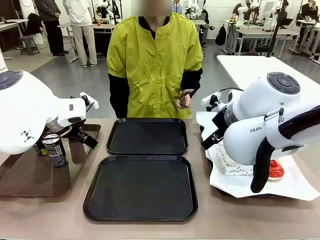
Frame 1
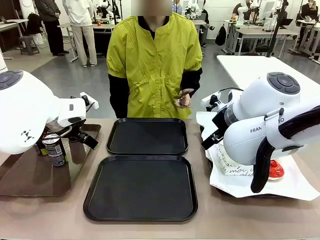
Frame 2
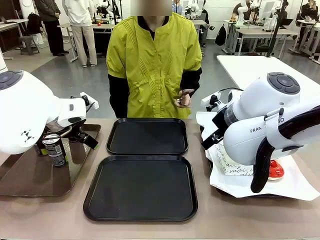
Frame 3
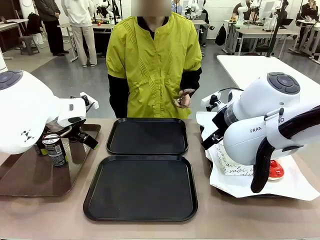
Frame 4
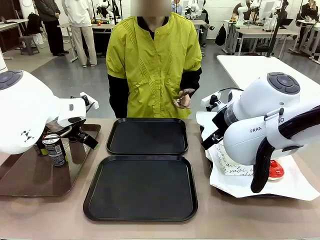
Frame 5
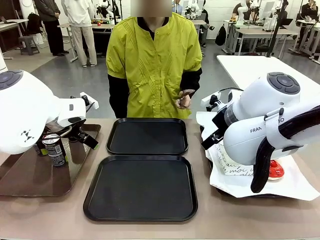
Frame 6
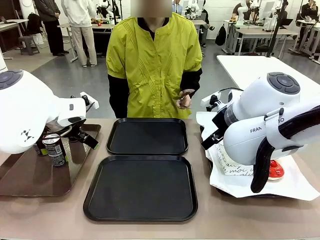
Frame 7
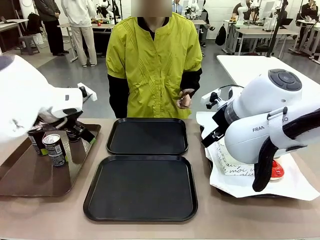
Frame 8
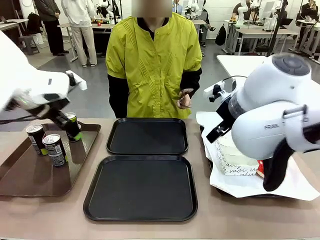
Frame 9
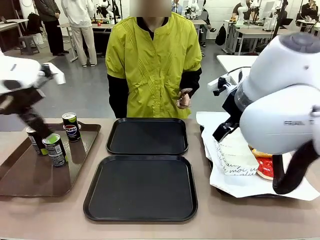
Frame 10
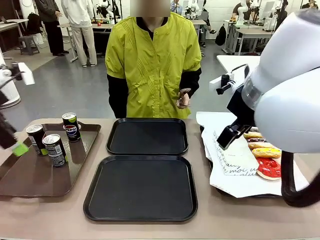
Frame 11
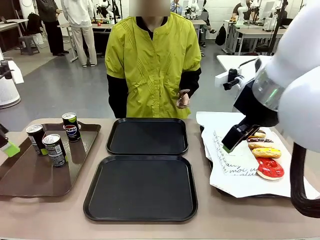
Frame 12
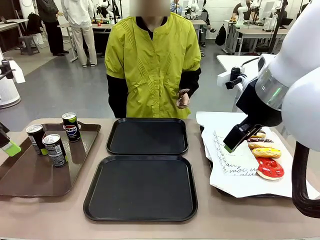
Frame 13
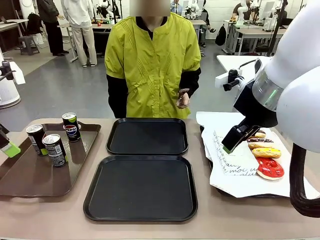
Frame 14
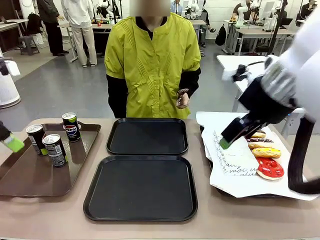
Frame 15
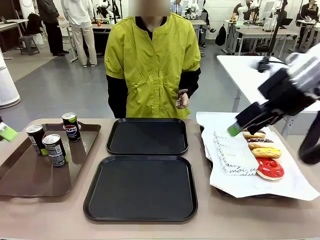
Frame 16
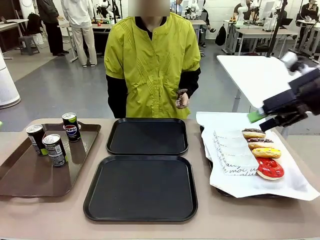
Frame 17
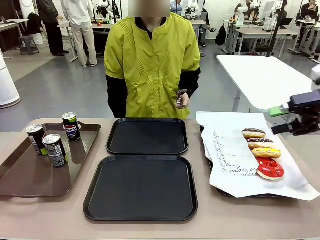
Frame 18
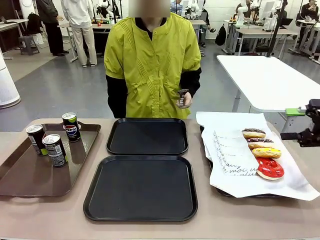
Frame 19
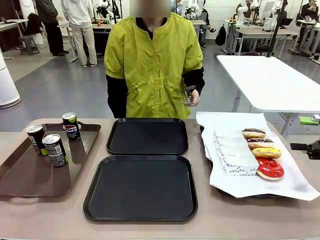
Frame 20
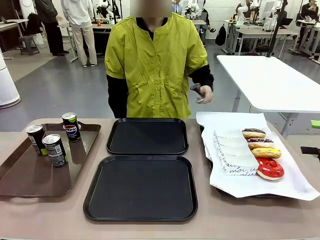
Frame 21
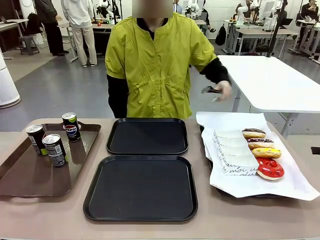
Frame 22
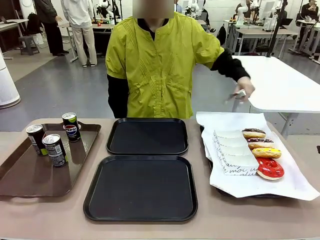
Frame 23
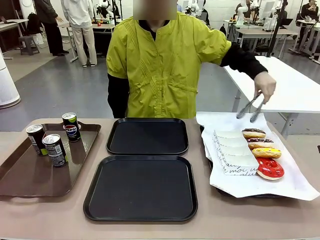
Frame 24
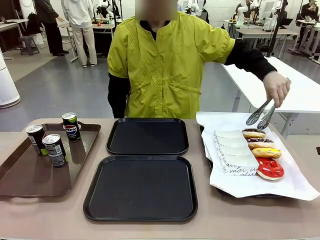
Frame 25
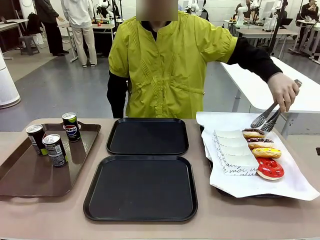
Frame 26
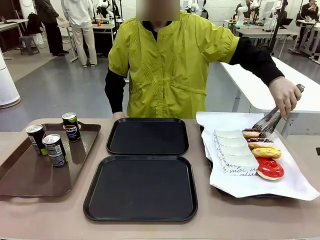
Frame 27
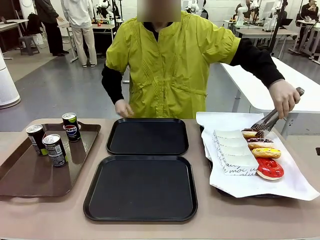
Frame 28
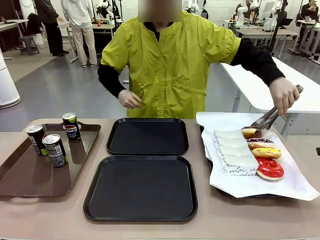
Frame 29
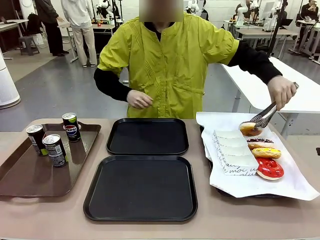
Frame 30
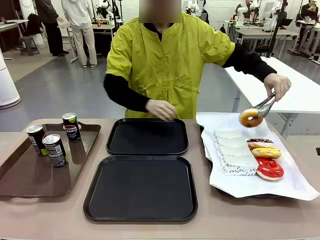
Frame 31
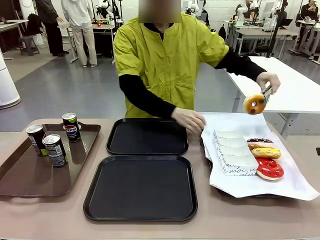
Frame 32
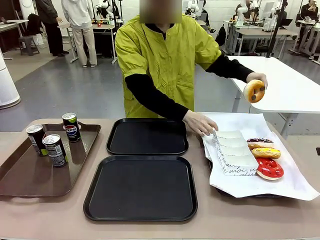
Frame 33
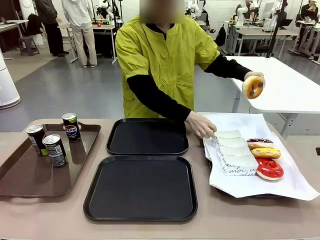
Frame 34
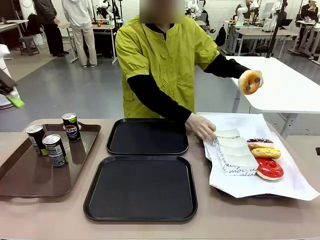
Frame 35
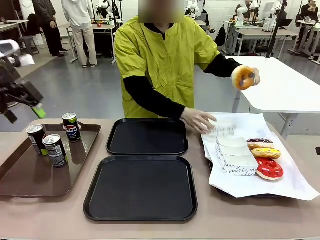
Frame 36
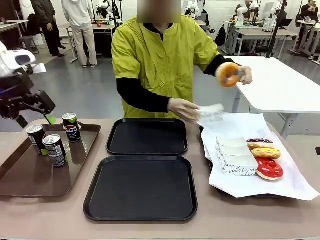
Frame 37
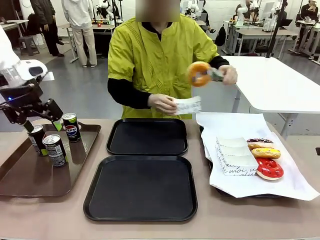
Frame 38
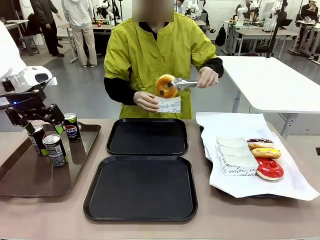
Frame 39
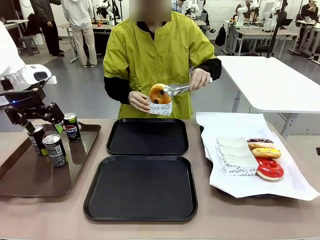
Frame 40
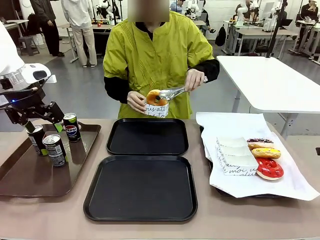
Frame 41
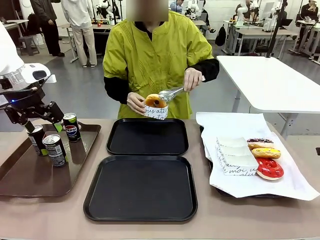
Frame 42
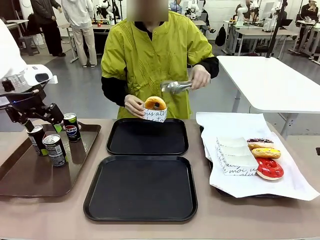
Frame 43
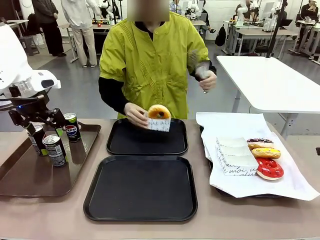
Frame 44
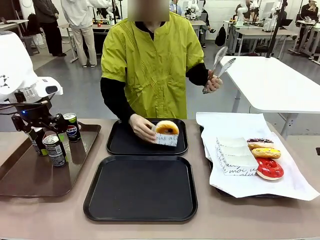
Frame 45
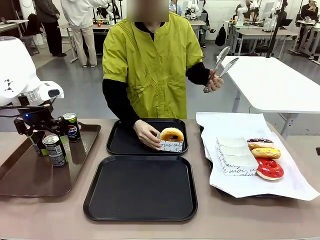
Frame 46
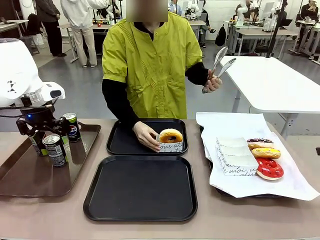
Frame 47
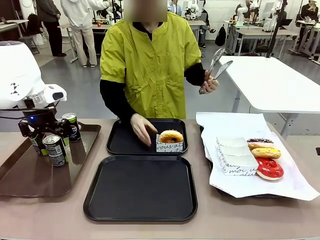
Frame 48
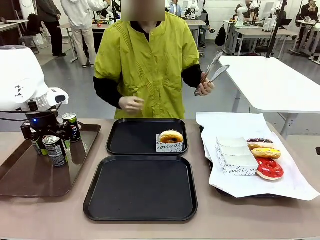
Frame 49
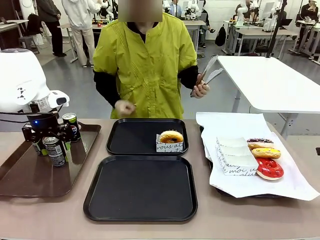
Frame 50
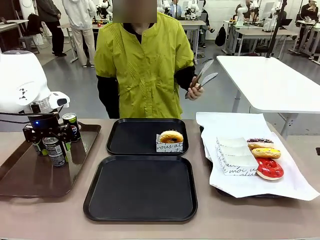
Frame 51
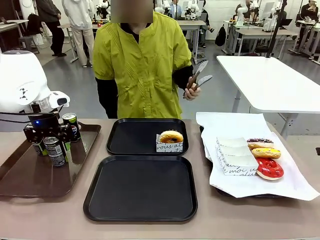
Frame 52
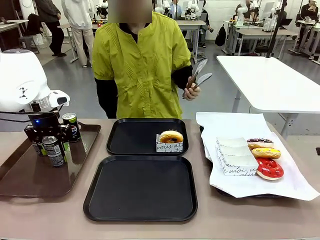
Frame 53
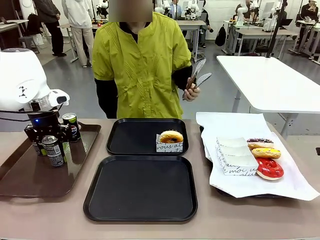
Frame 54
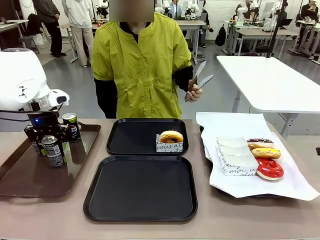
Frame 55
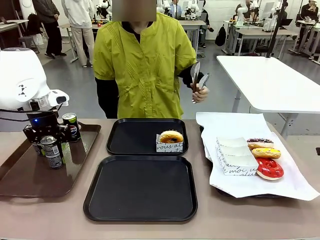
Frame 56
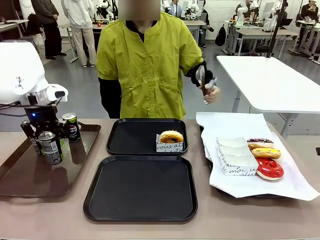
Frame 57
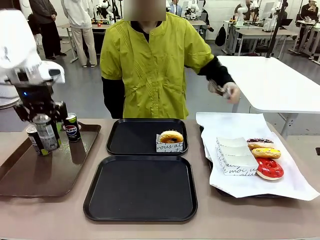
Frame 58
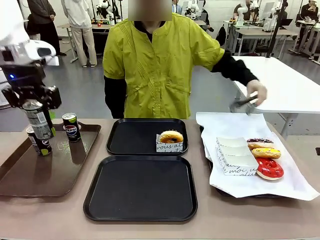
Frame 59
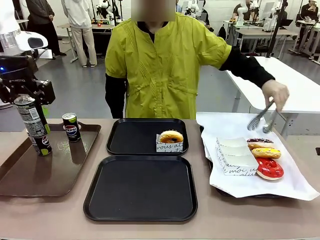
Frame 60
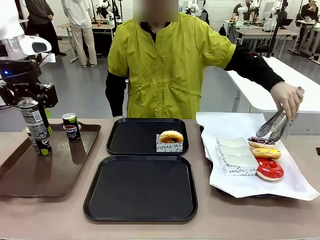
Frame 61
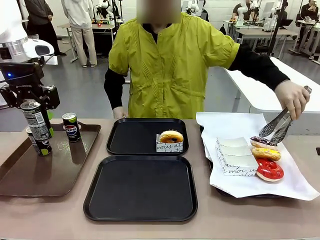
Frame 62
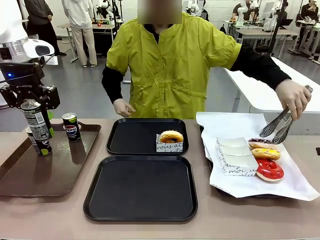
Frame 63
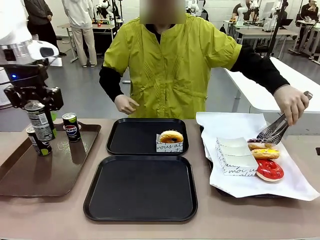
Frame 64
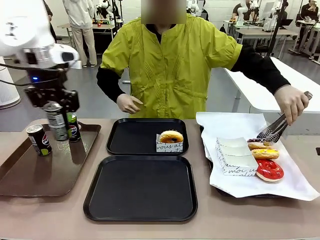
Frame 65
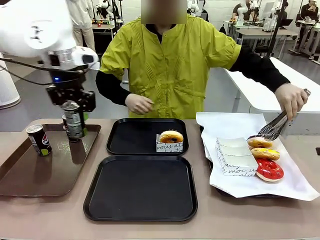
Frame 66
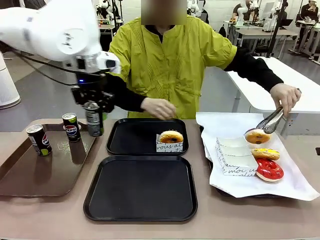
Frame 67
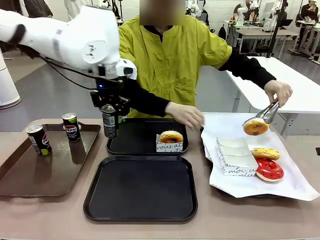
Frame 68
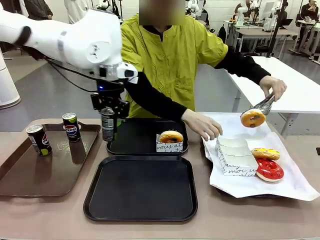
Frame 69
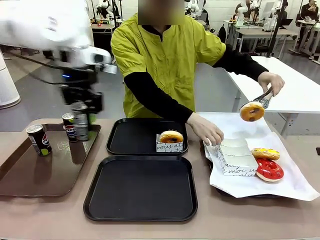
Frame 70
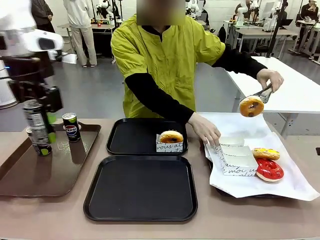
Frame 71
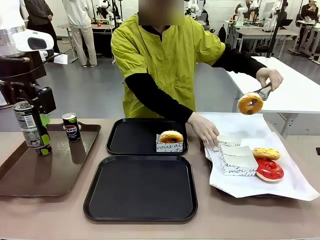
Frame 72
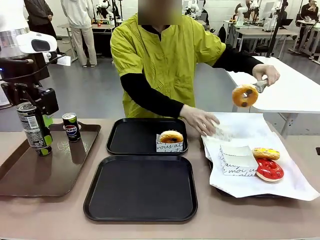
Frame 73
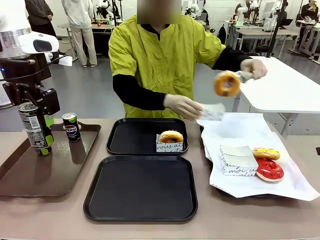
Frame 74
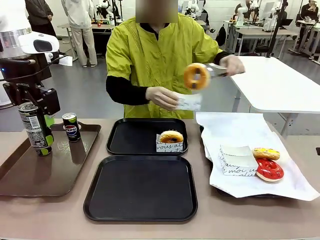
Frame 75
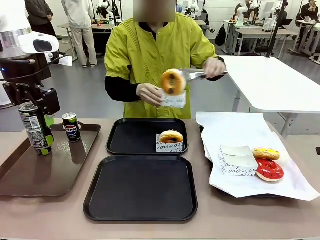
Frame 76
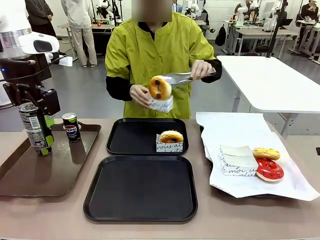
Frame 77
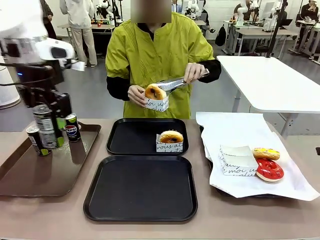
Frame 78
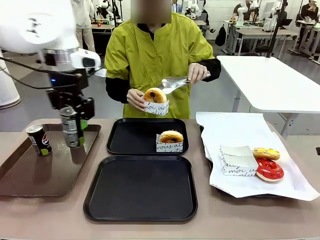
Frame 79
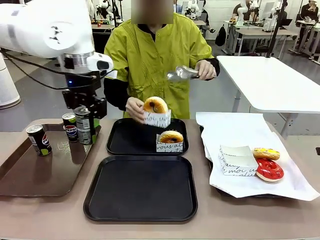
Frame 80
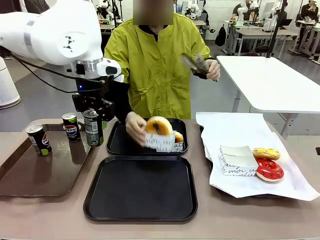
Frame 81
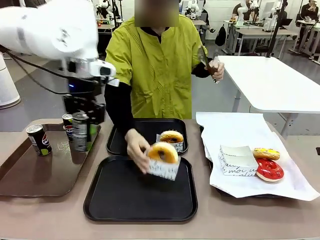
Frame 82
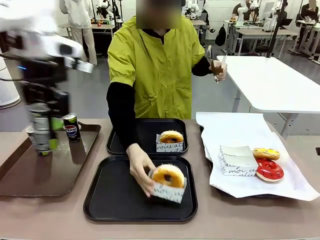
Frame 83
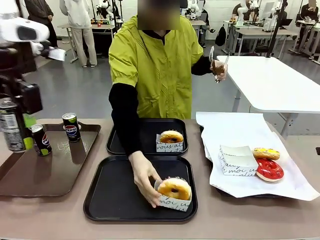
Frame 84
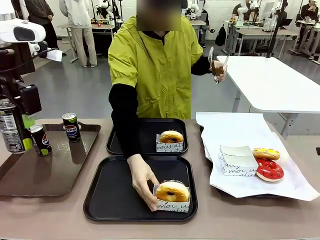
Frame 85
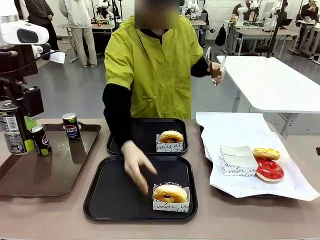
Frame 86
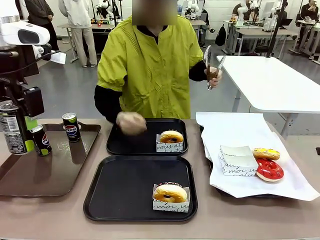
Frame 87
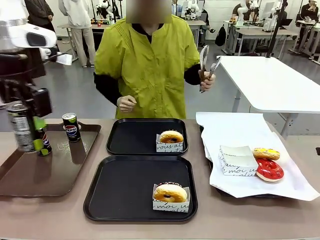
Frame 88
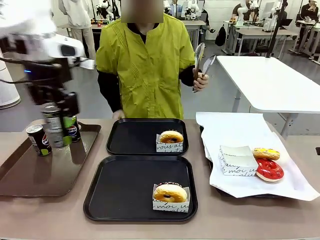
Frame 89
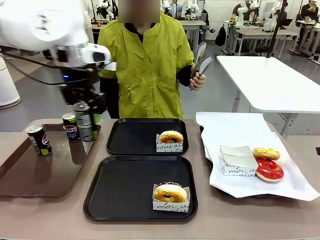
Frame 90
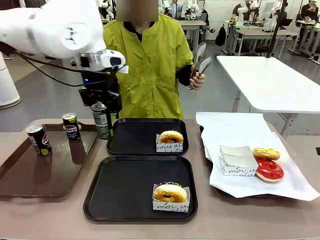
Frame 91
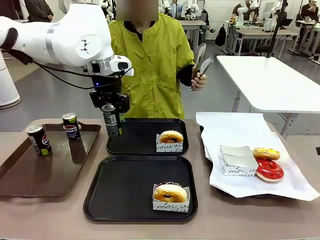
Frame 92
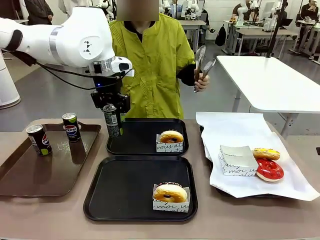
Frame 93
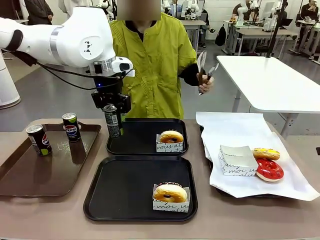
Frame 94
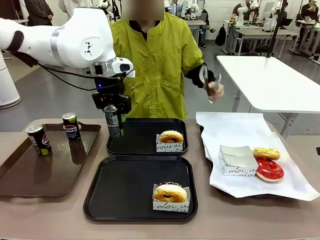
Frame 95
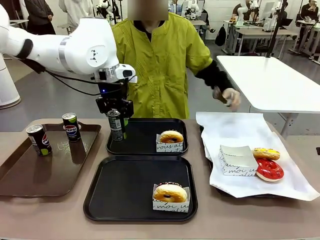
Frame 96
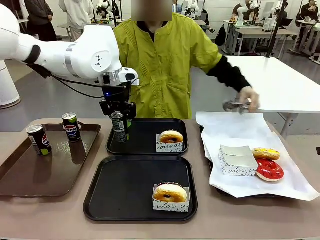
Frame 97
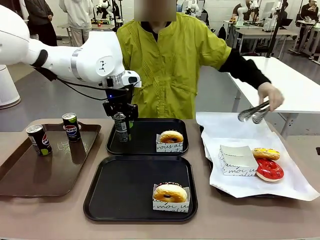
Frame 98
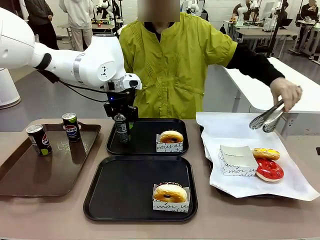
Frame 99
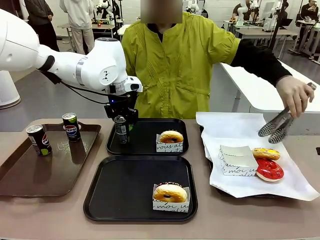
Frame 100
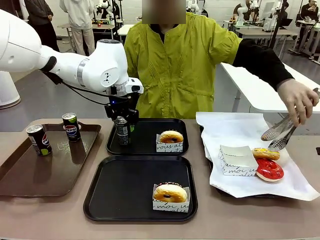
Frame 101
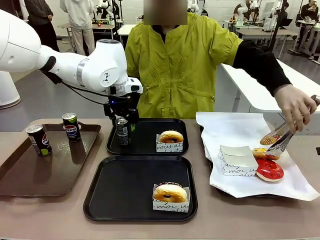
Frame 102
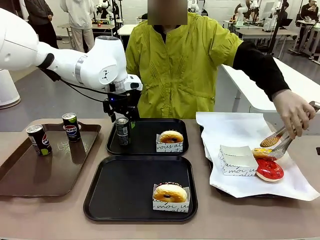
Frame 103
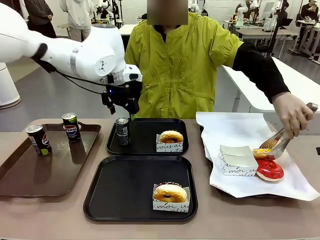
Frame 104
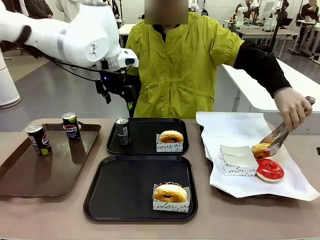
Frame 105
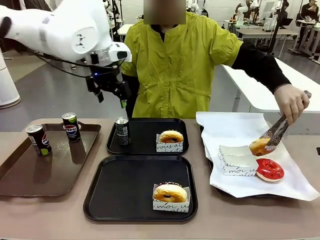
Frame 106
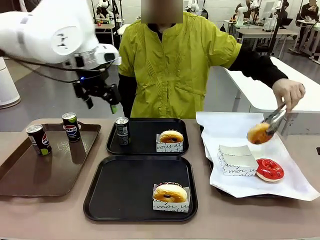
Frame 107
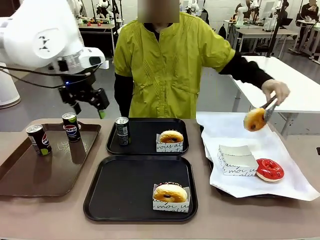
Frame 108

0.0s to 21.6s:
Task: Set up donuts and drinks on trays.
Robot: Pick up one Pepsi coke and place it on the Flat Tray.
Person: Pick up one donut with tongs, place it in the donut tray, and then place the donut tray on the flat tray.
